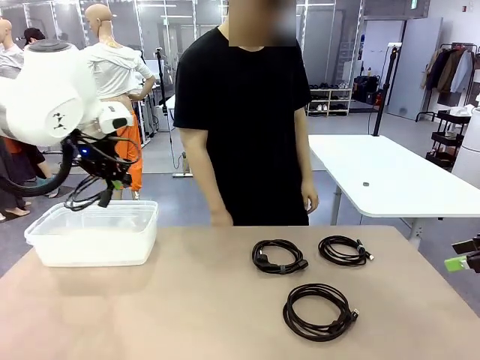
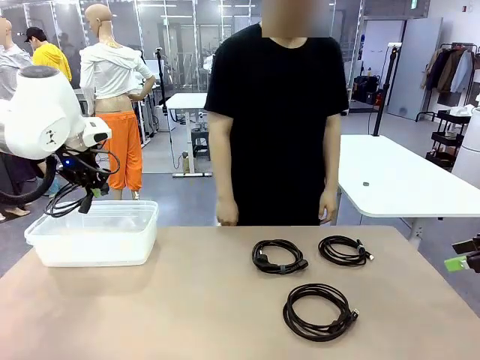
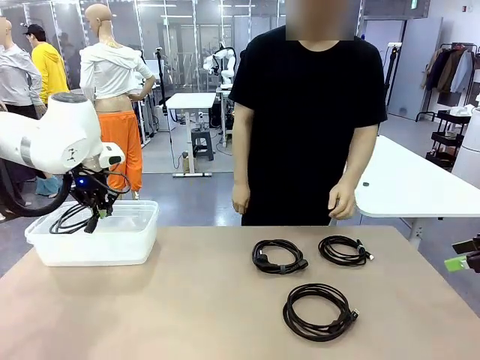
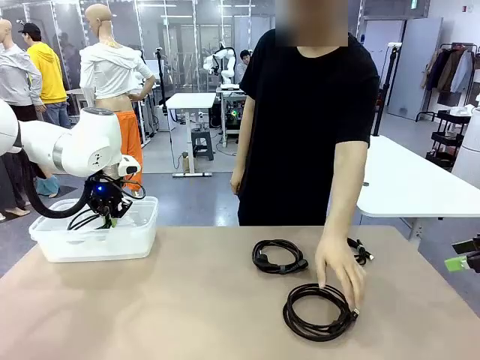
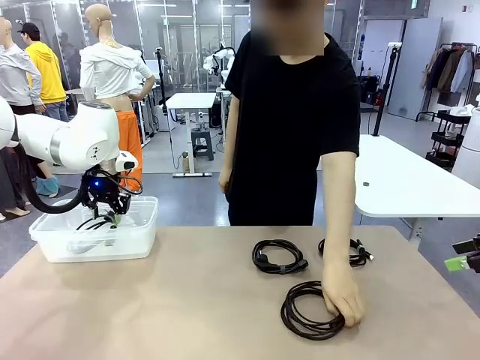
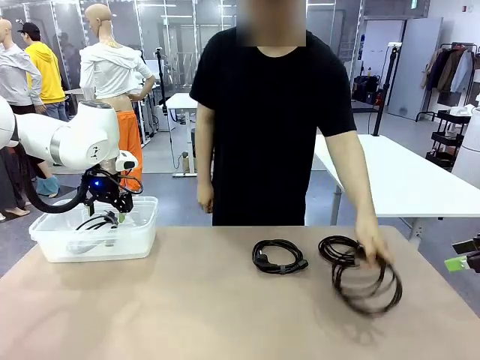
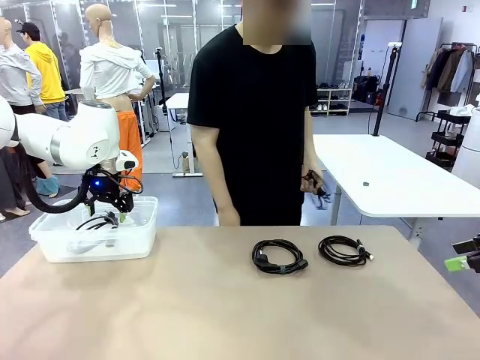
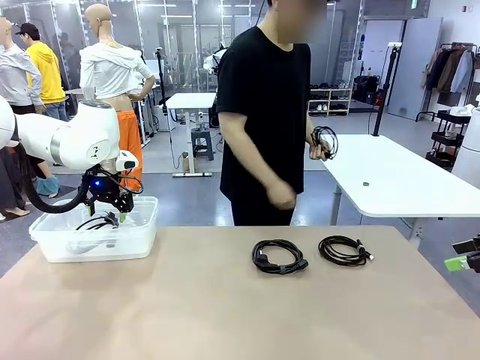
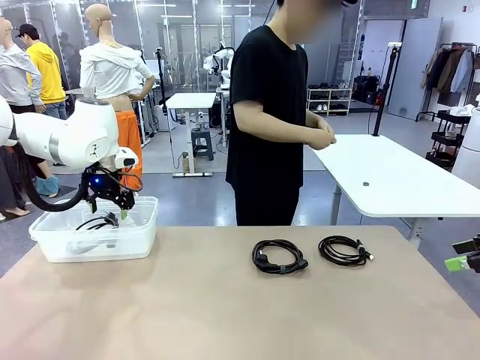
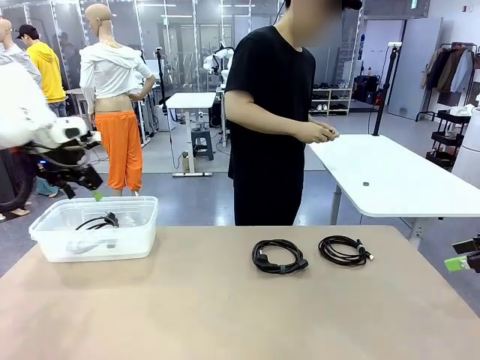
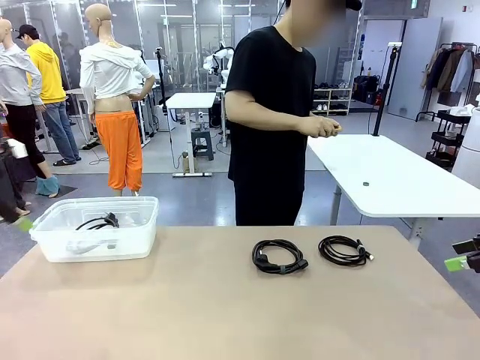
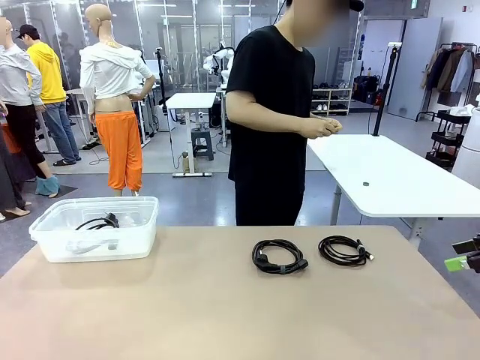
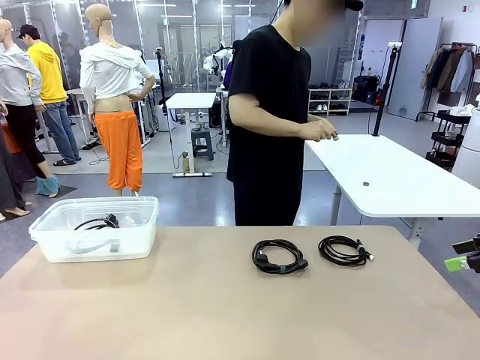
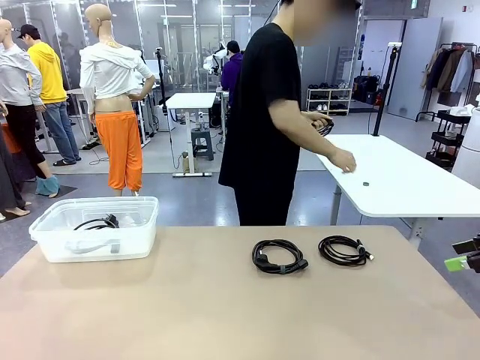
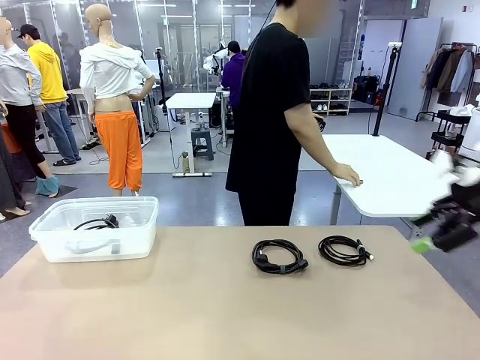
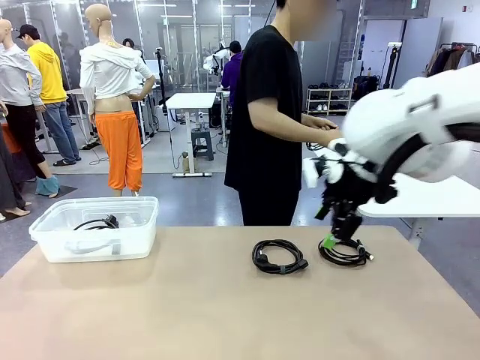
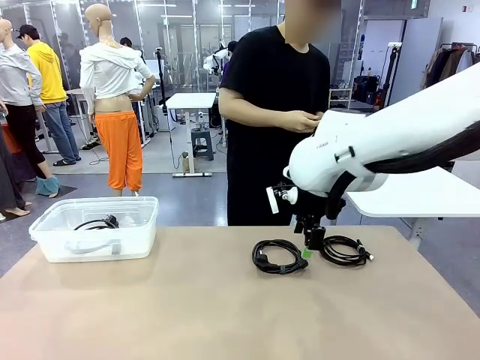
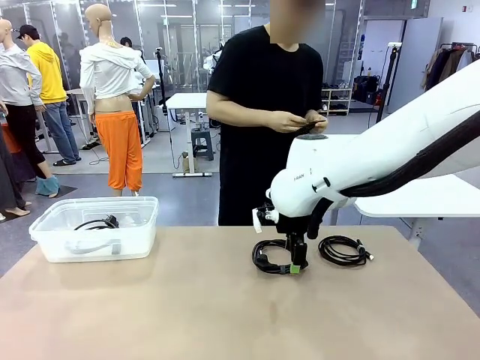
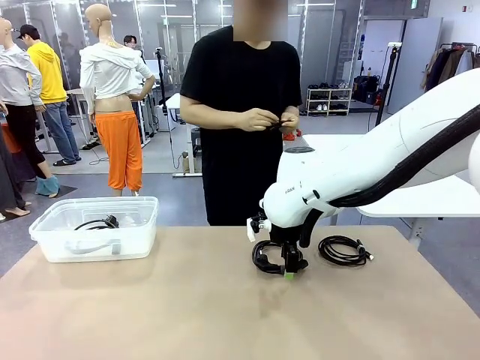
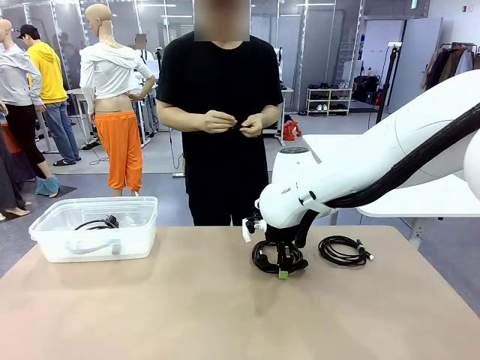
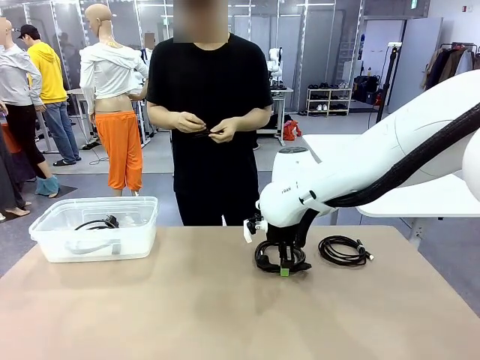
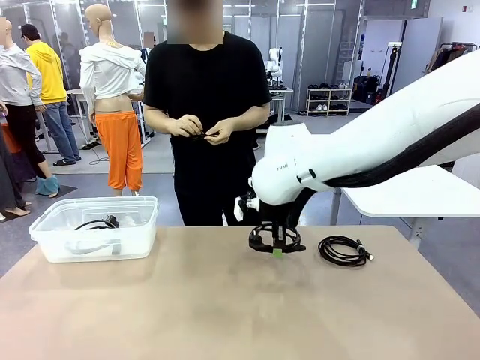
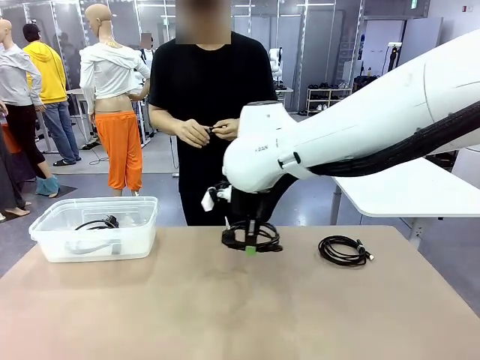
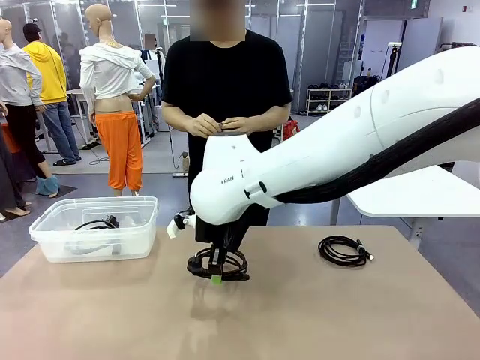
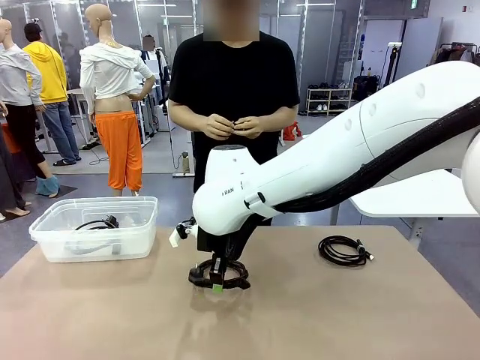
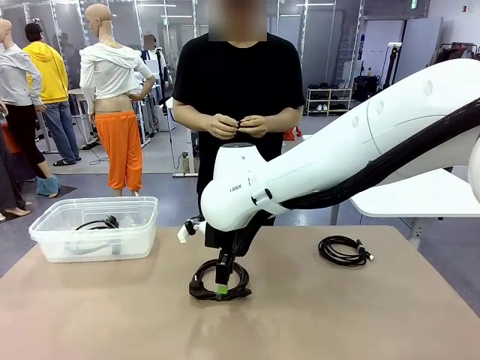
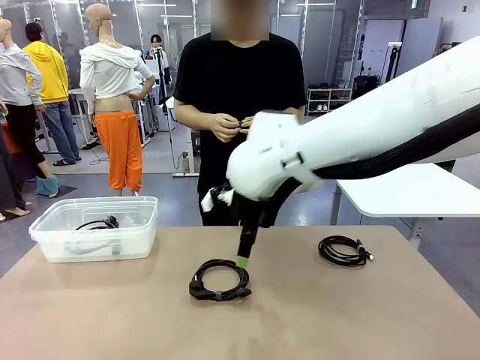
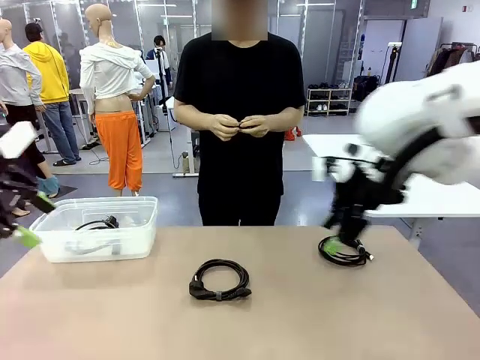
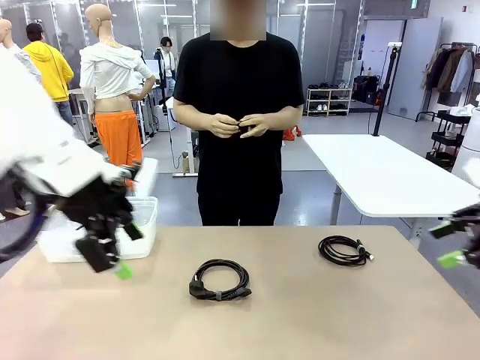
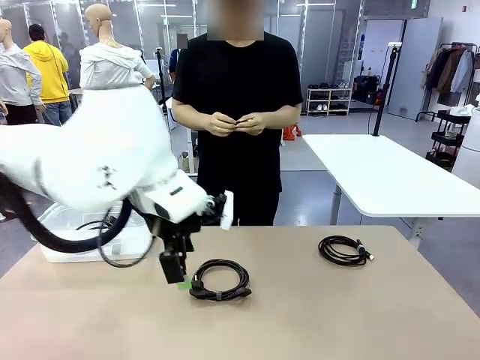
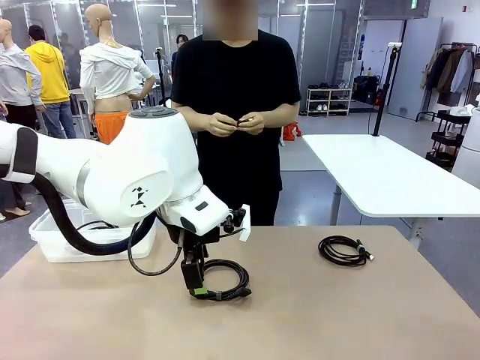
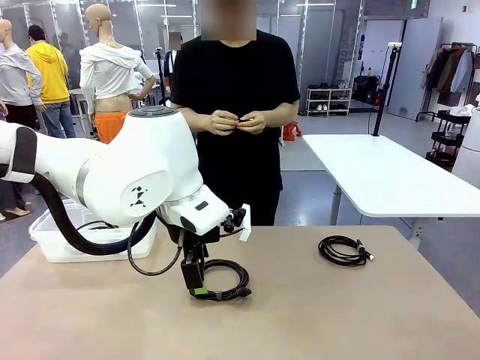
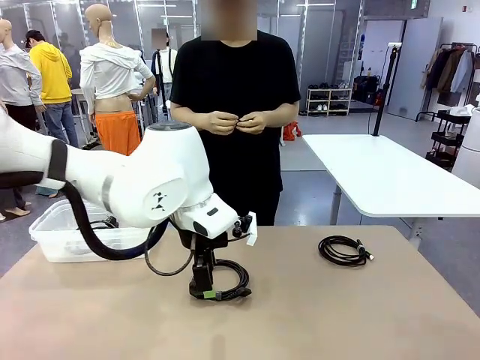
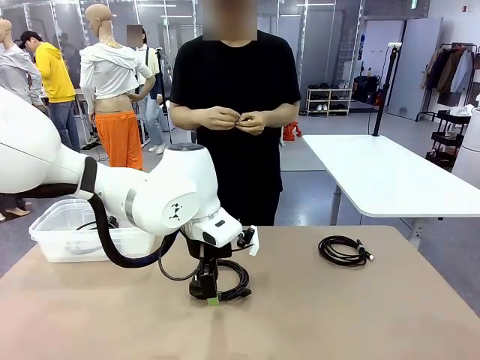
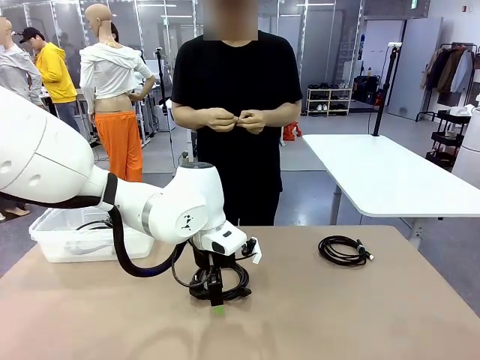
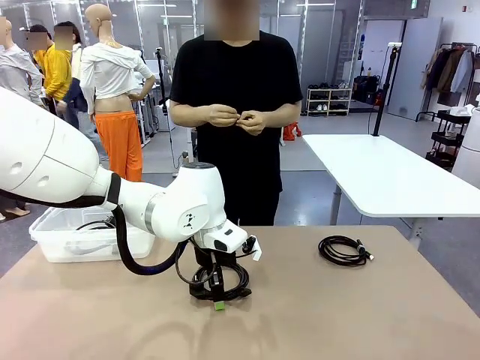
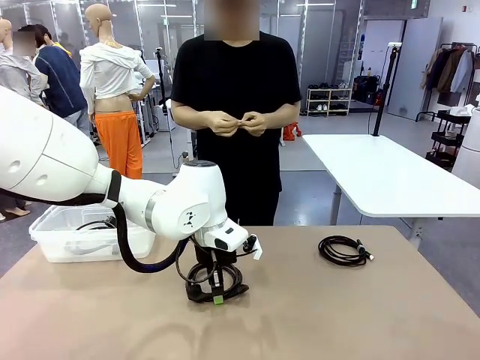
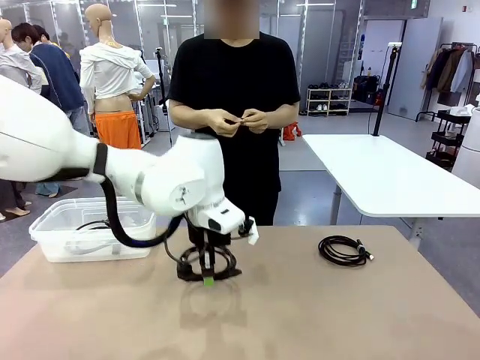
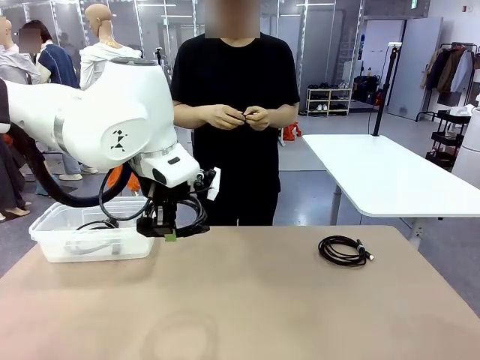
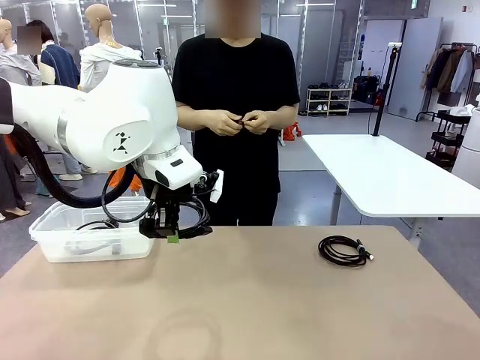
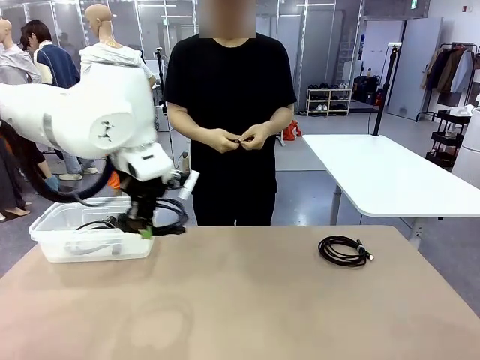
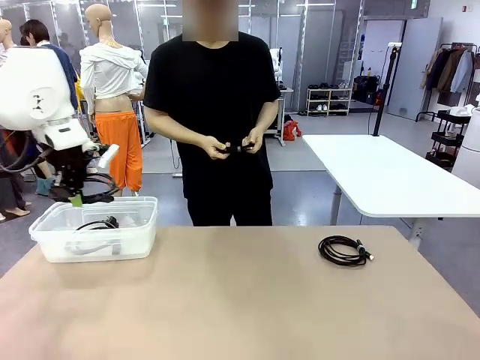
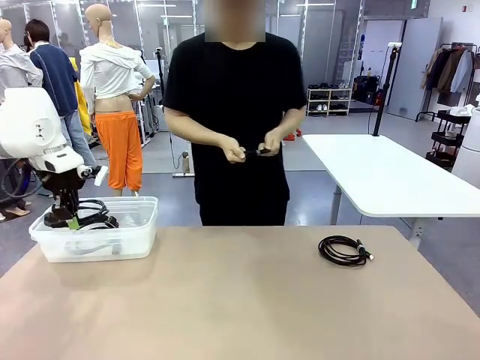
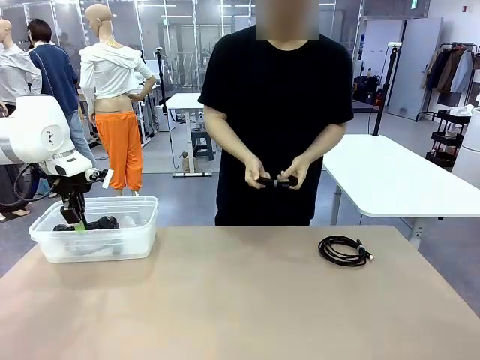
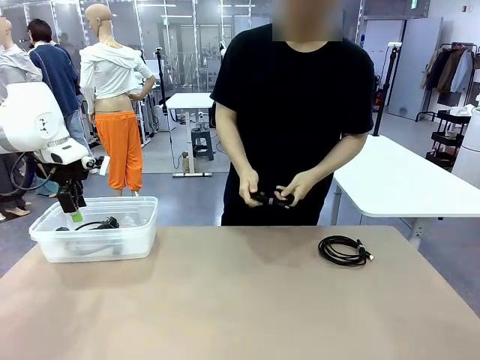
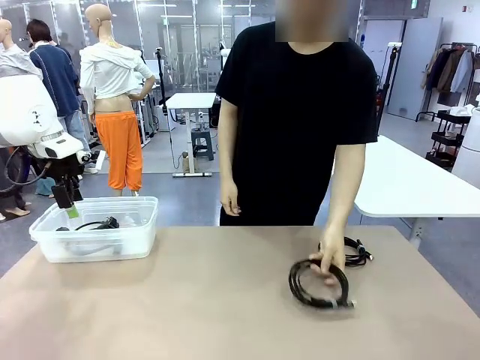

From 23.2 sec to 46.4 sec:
Task: Organize and store the cables.
Robot: Place the Power Cable into the Organizing box.

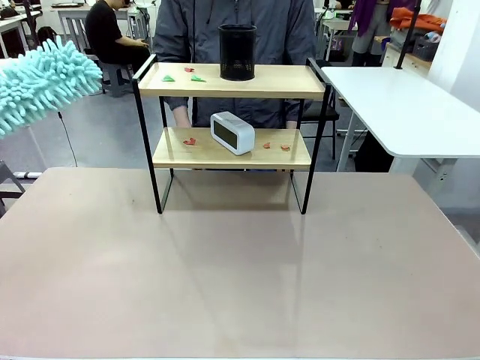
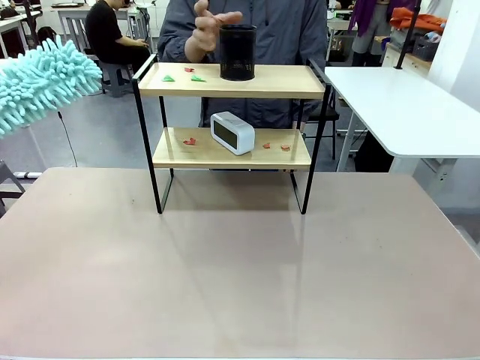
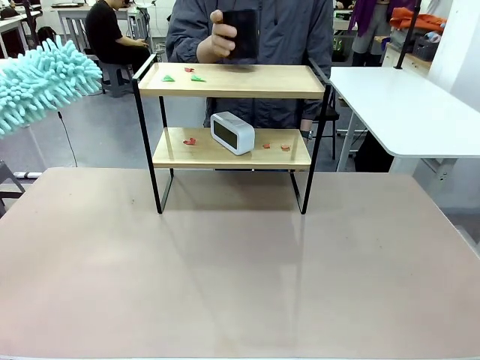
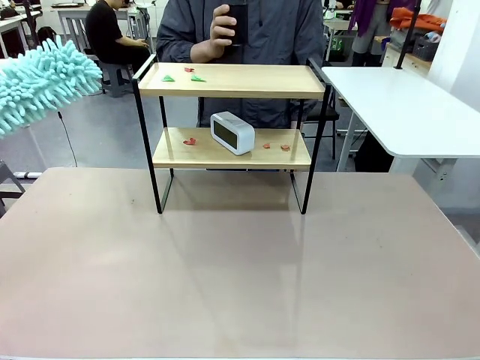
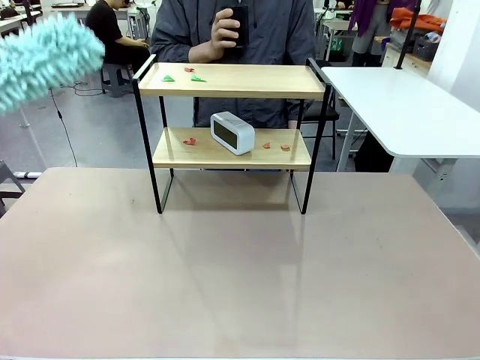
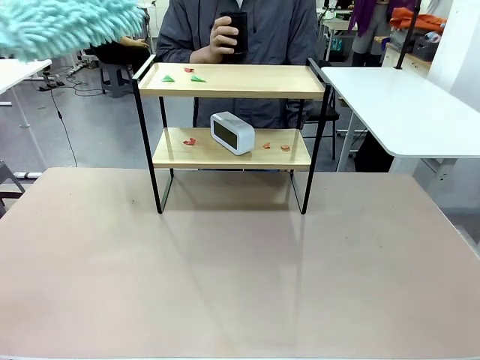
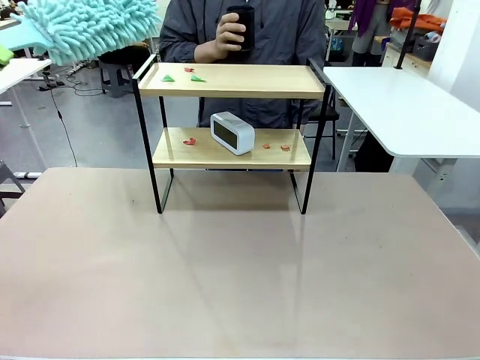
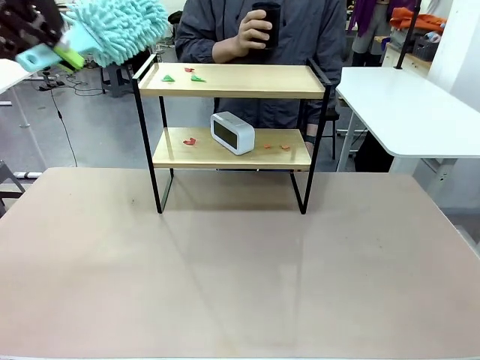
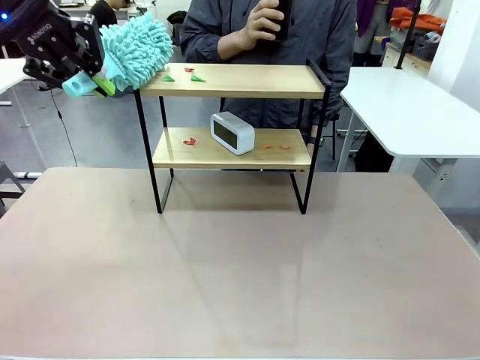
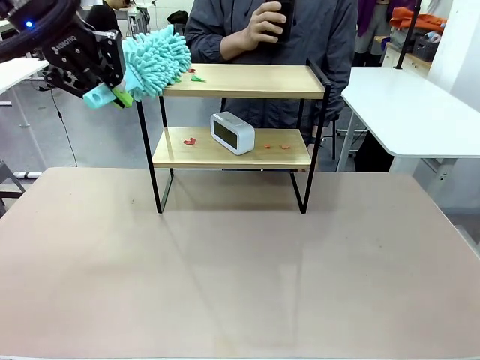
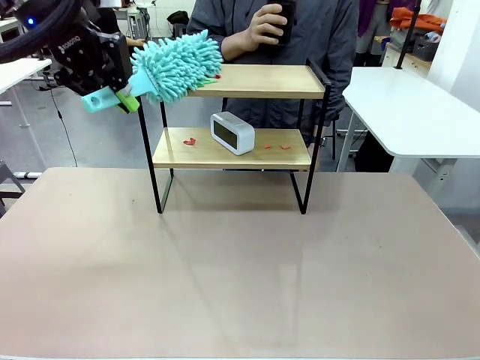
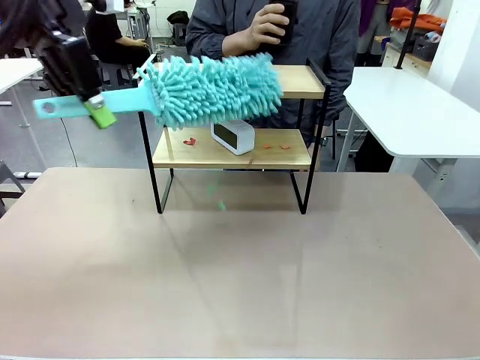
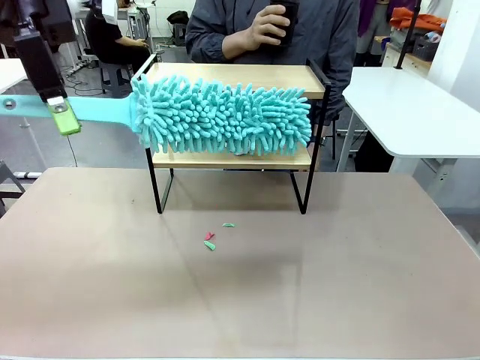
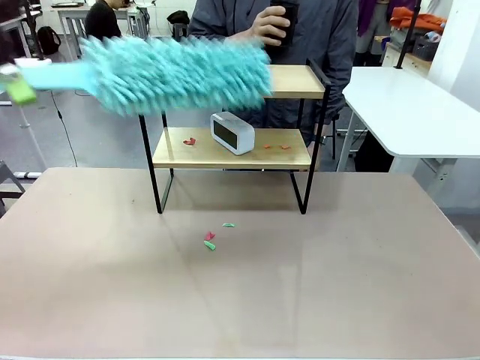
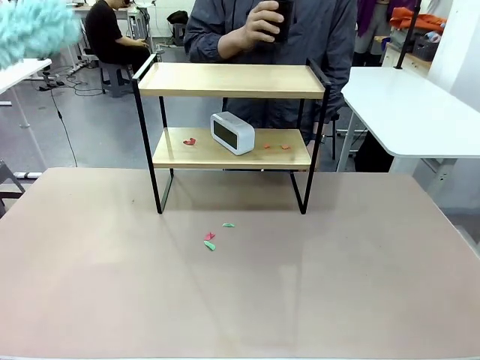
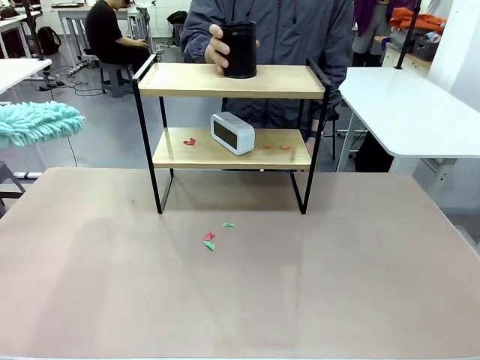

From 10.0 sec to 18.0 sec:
Task: Clean the shelf.
Robot: Clean the specific tier of the Shelf with the Duster once objects are removed.
Person: Lift the objects on a randomly selected tier of the Shelf. Once the robot finishes cleaning, lift the objects on the remaining tiers of the Shelf.
